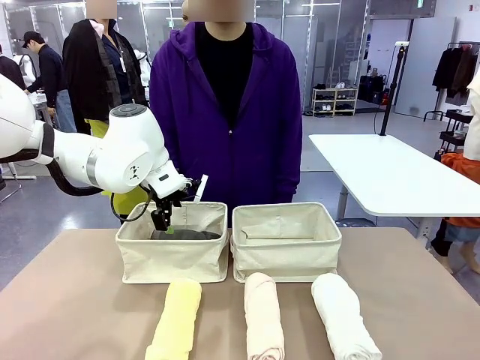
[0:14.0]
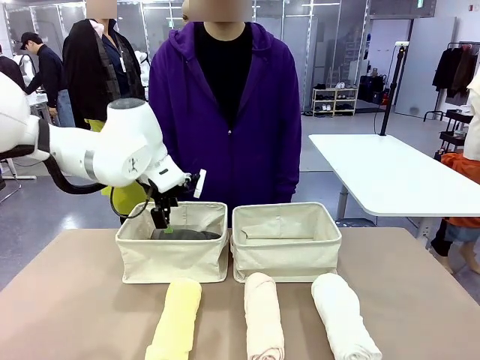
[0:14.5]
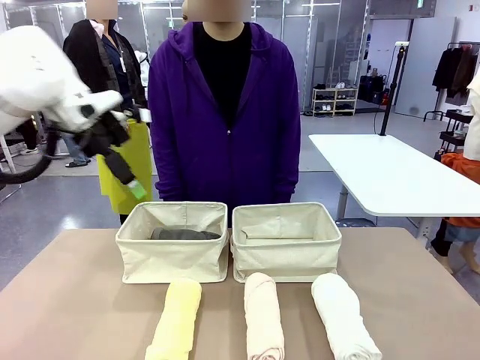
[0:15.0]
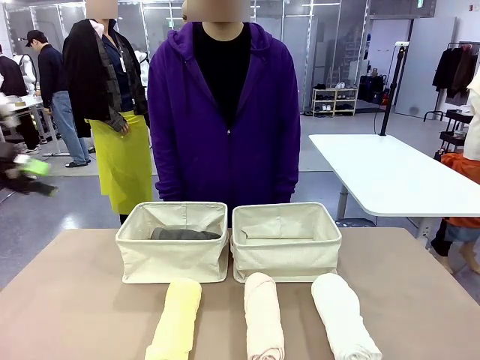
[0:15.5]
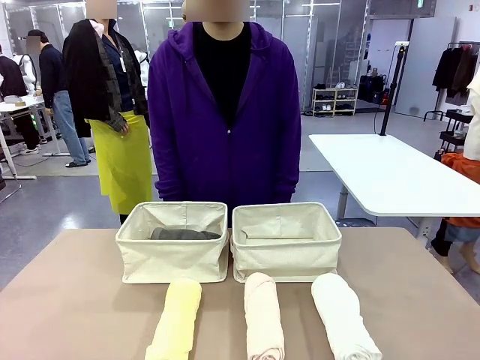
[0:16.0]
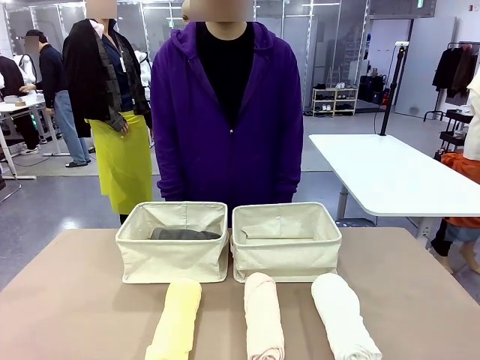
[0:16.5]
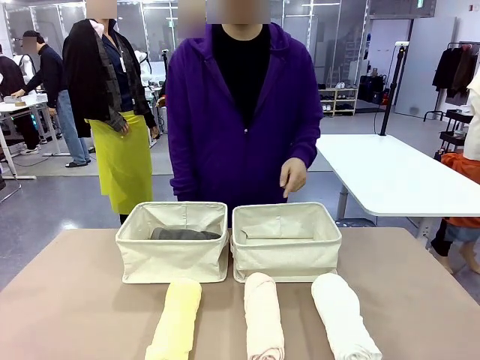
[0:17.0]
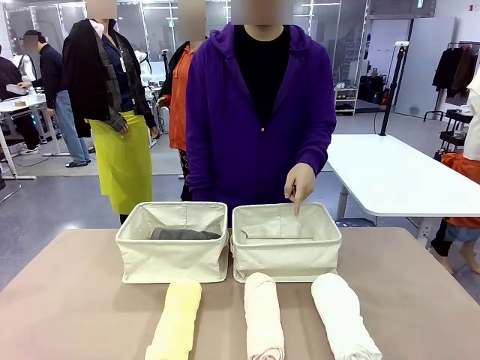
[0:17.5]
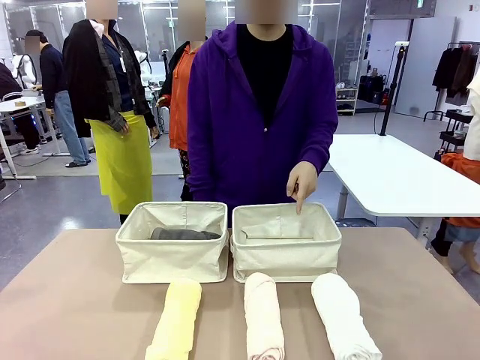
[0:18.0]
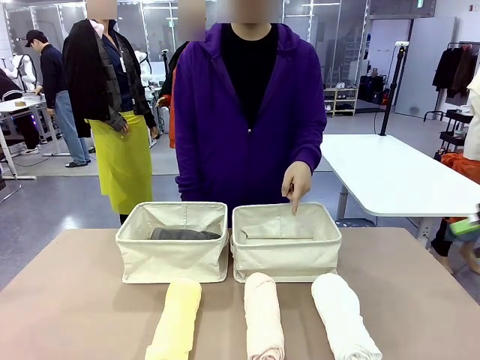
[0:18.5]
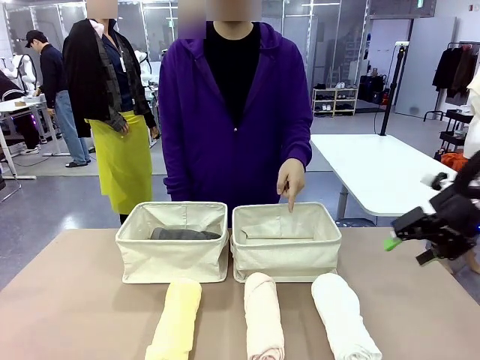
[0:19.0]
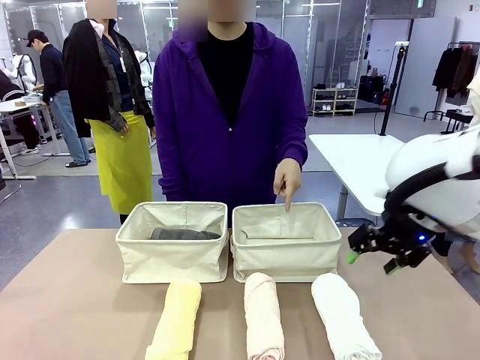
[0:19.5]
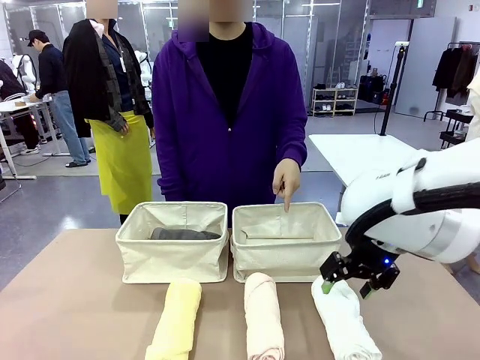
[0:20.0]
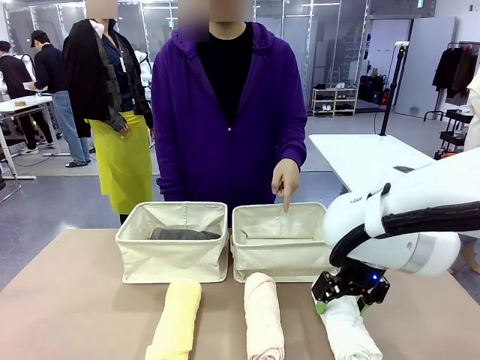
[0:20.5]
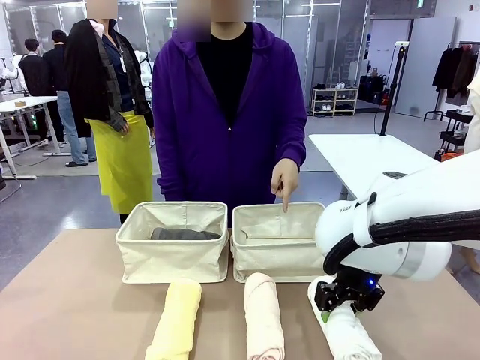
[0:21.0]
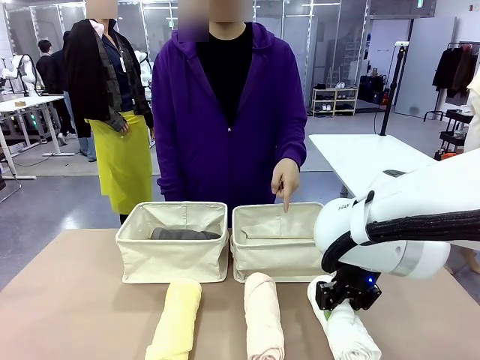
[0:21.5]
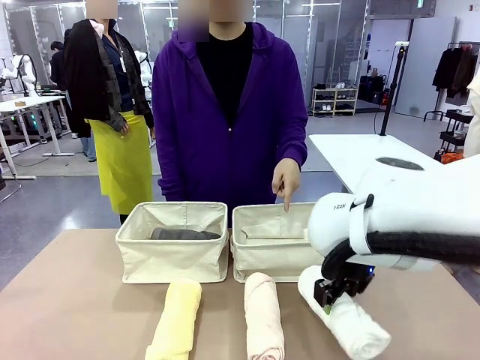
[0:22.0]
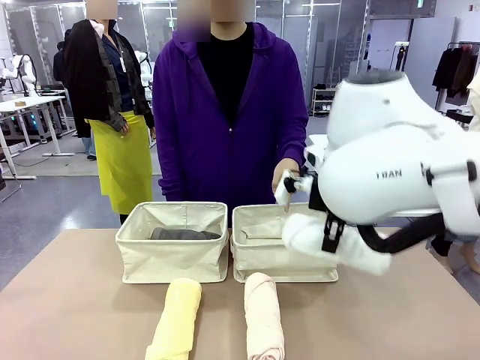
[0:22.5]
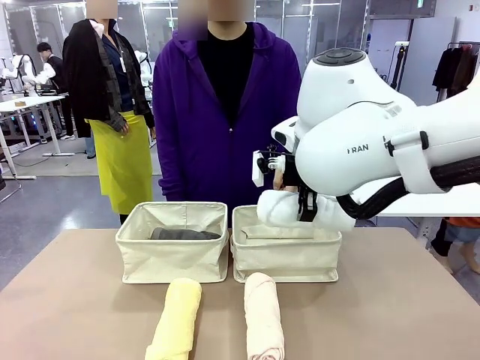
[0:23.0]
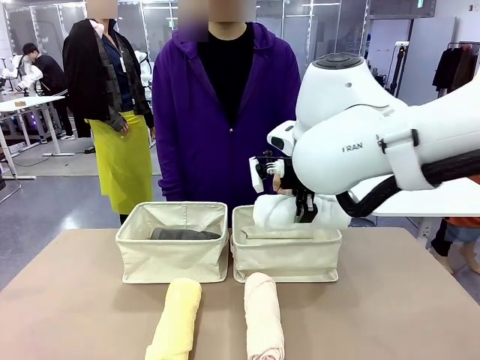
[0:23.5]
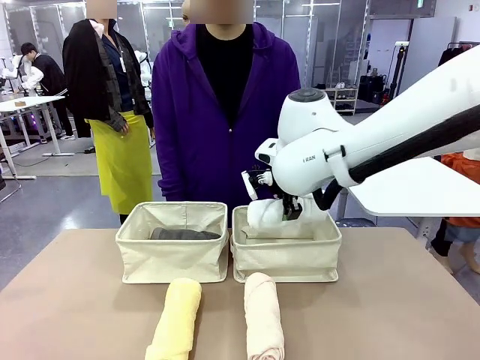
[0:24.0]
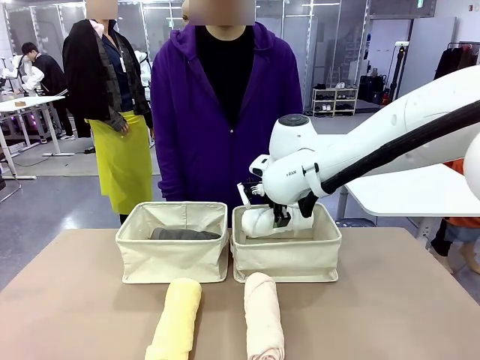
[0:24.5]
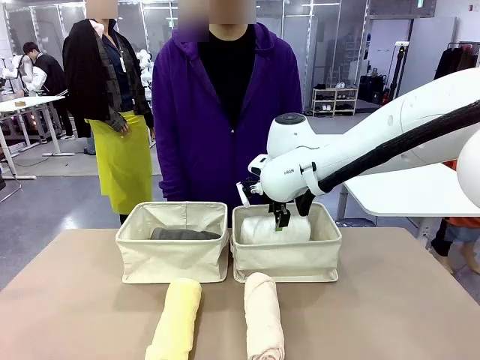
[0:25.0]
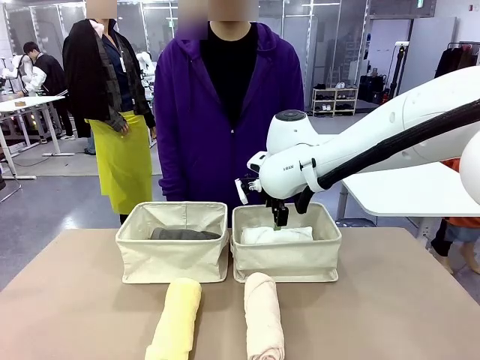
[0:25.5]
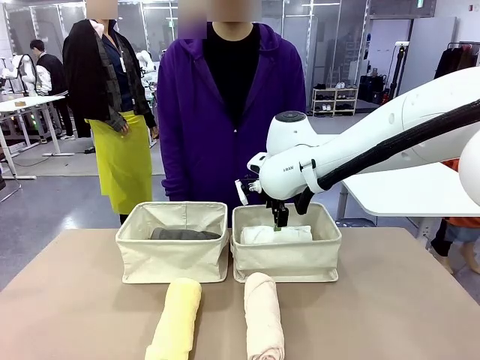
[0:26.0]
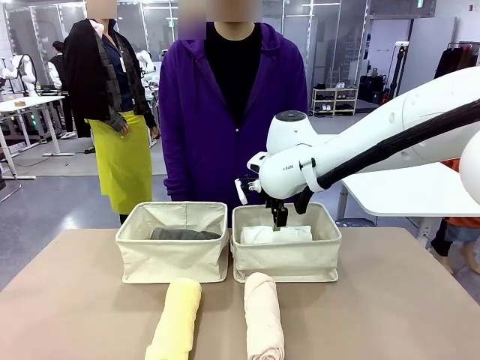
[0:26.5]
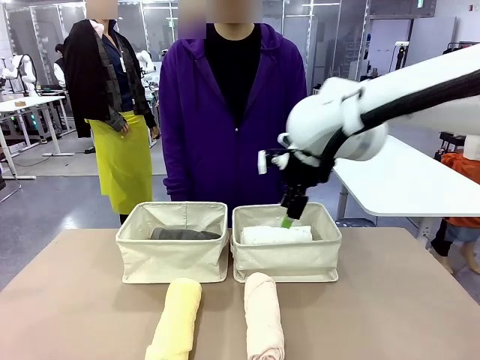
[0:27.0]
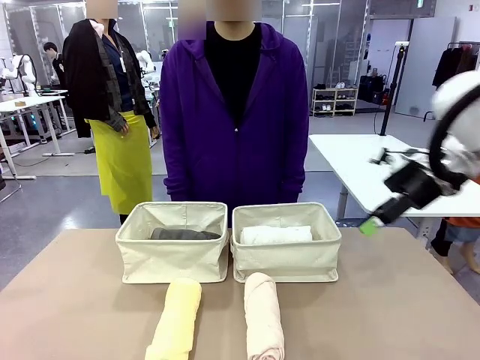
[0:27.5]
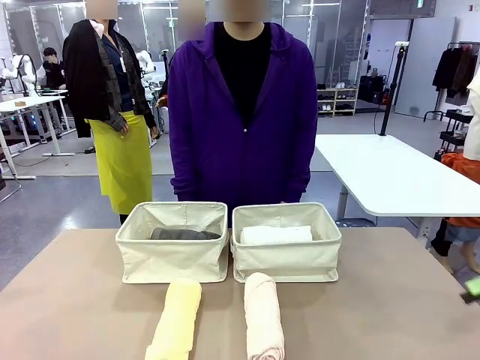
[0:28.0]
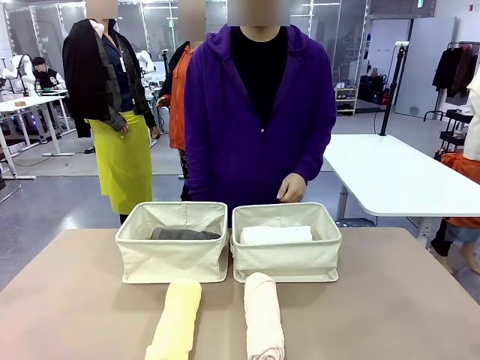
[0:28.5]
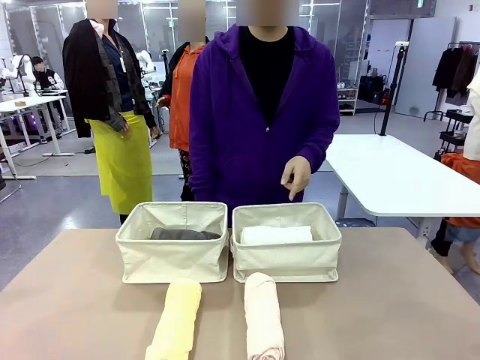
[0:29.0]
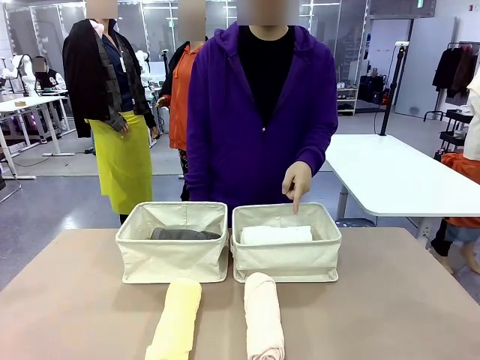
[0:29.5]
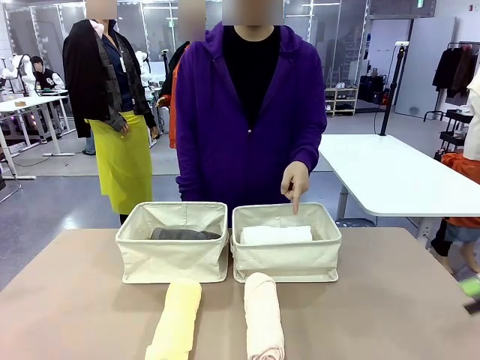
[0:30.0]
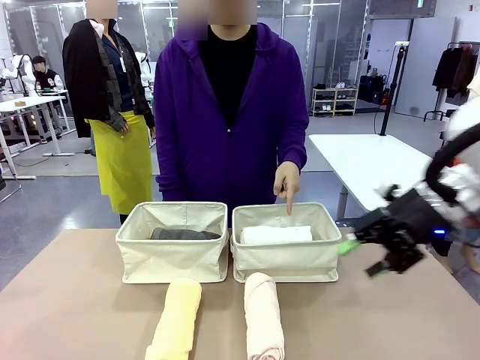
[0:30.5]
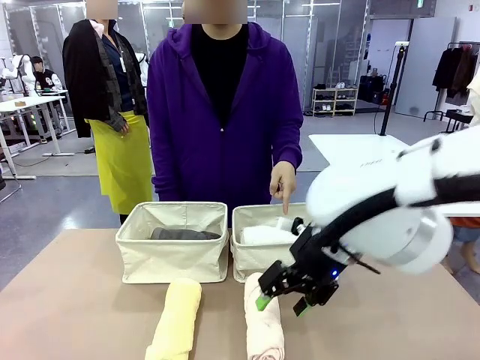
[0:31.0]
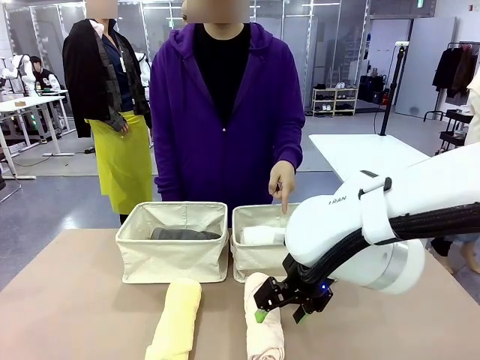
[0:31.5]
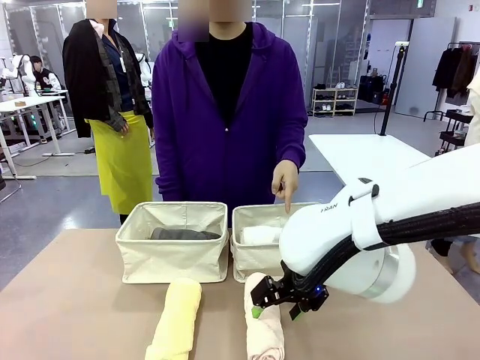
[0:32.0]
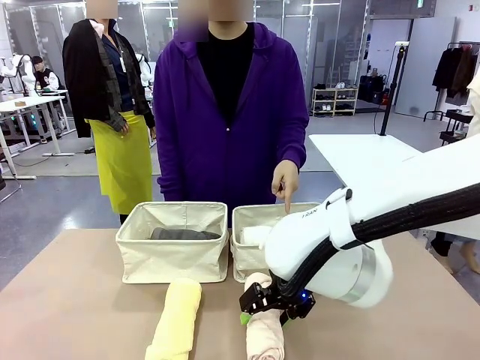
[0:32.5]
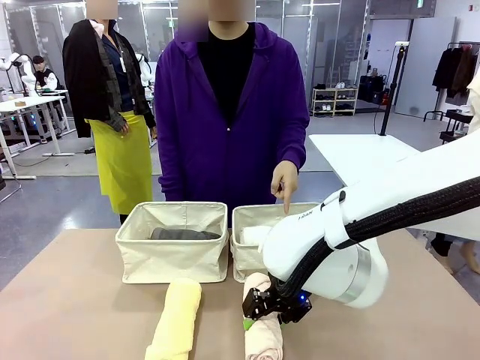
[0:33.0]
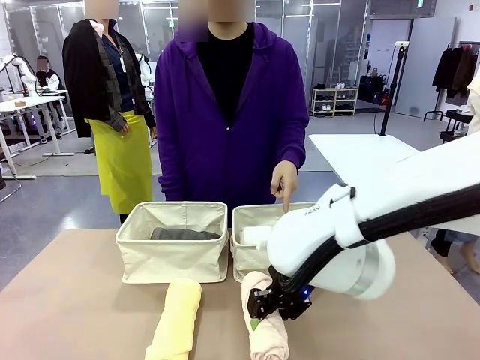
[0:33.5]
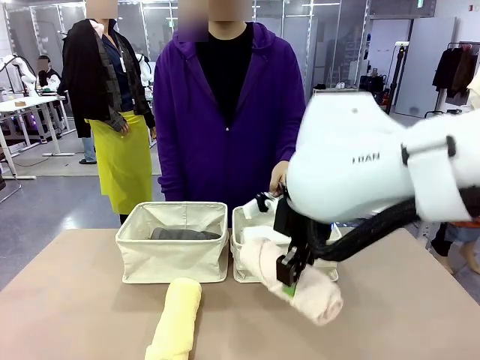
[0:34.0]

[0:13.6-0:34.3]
Task: Divide the towels into two baskets.
Robot: Pick up one hotel-folded towel from the bottom of the table and place it in the Fabric basket indicated by the person.
